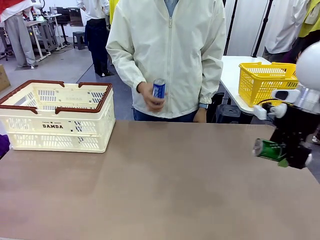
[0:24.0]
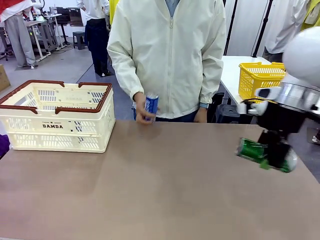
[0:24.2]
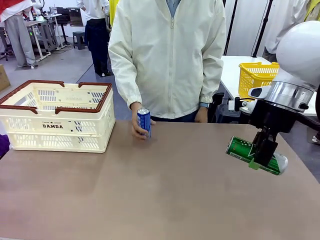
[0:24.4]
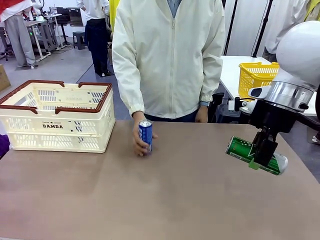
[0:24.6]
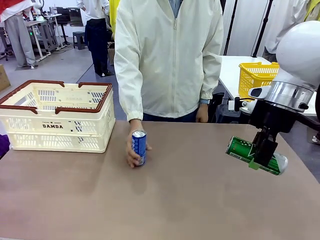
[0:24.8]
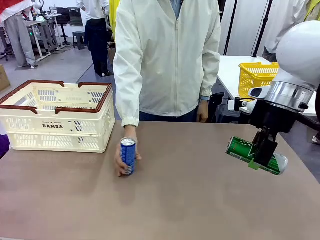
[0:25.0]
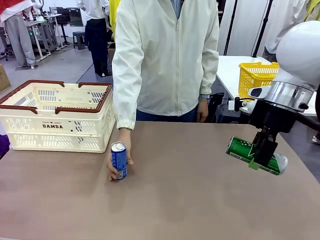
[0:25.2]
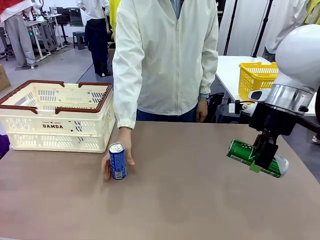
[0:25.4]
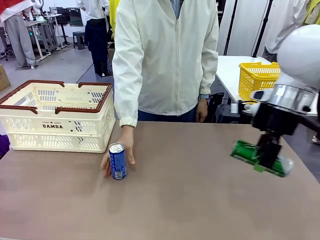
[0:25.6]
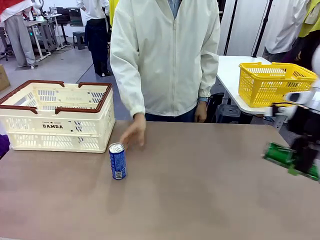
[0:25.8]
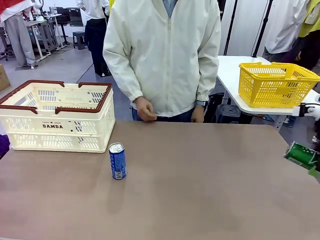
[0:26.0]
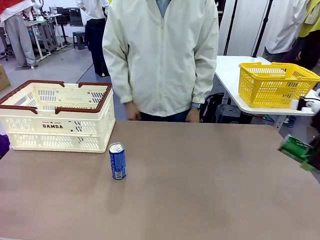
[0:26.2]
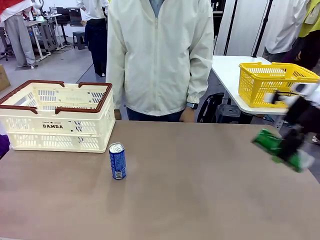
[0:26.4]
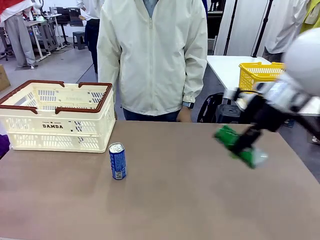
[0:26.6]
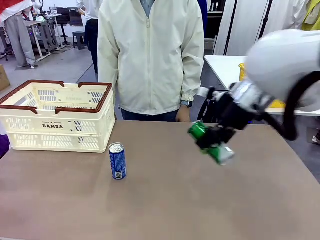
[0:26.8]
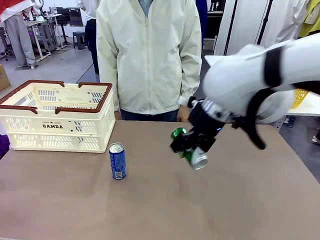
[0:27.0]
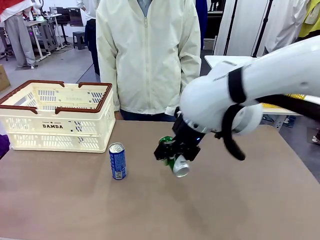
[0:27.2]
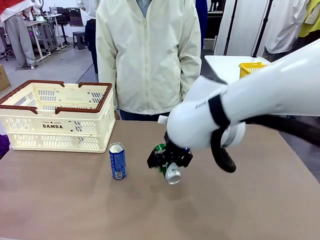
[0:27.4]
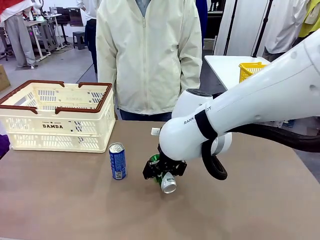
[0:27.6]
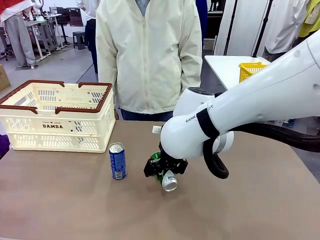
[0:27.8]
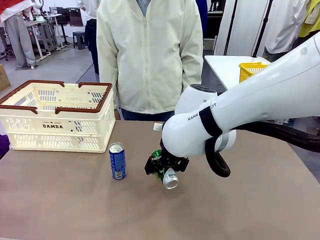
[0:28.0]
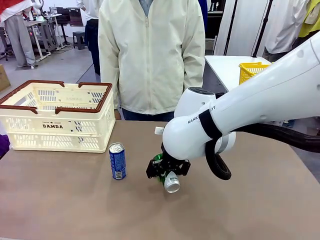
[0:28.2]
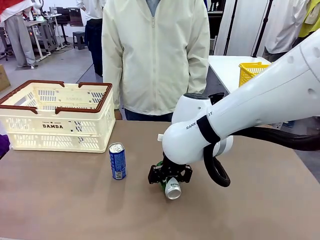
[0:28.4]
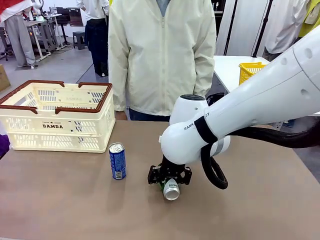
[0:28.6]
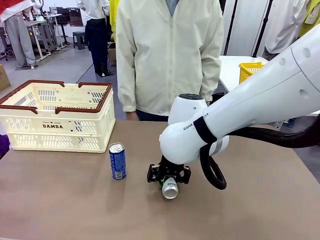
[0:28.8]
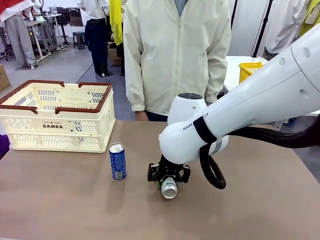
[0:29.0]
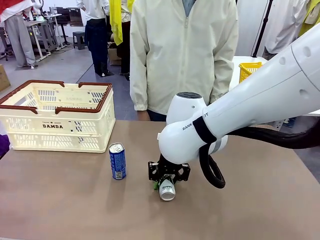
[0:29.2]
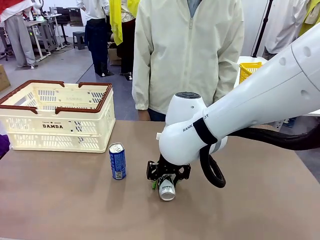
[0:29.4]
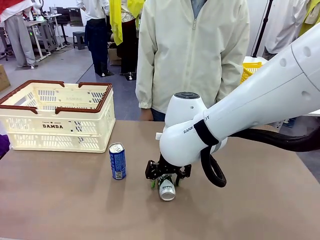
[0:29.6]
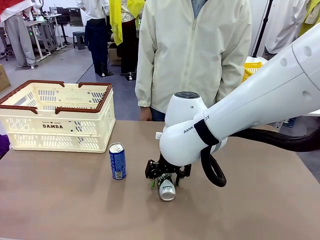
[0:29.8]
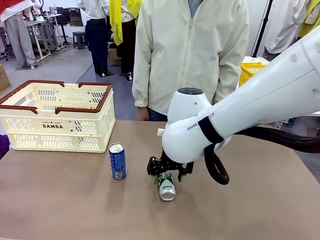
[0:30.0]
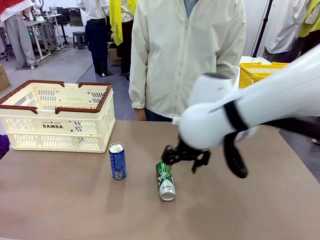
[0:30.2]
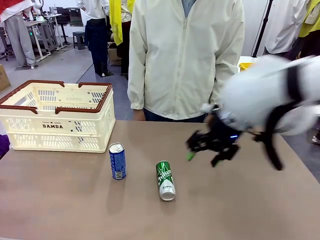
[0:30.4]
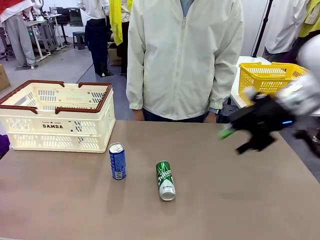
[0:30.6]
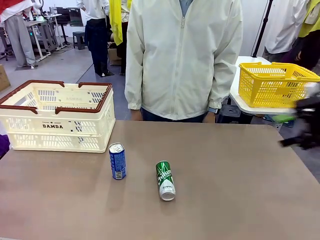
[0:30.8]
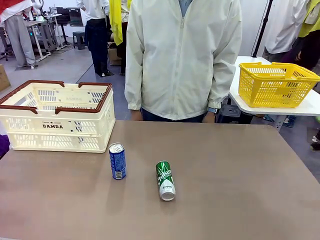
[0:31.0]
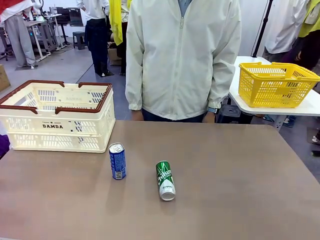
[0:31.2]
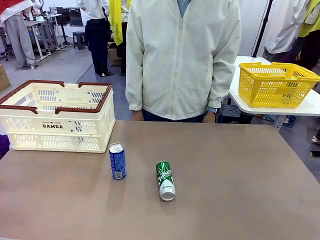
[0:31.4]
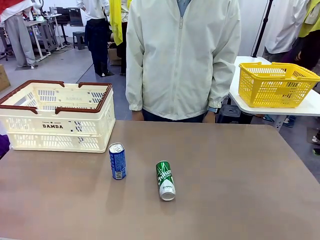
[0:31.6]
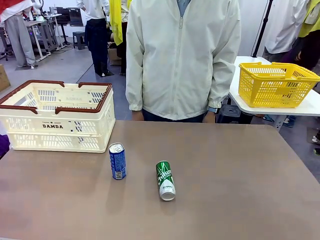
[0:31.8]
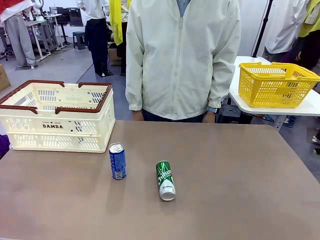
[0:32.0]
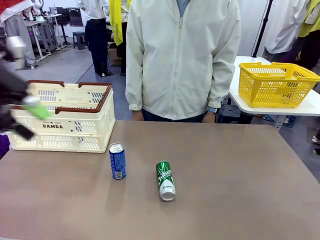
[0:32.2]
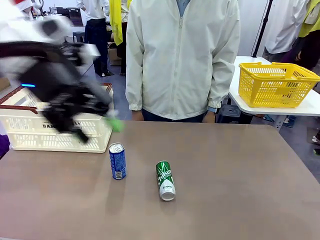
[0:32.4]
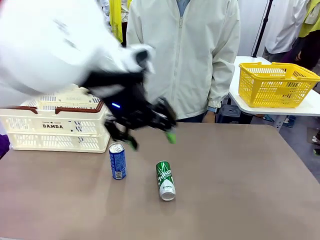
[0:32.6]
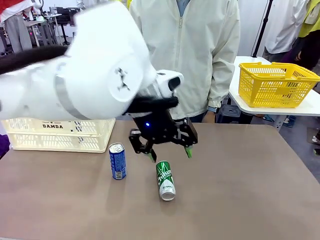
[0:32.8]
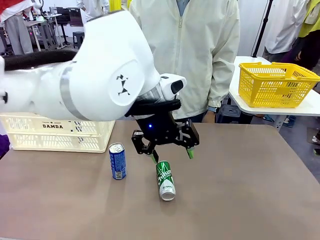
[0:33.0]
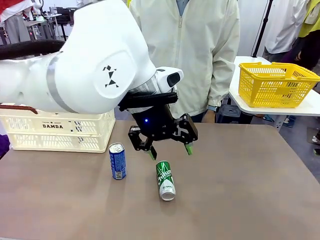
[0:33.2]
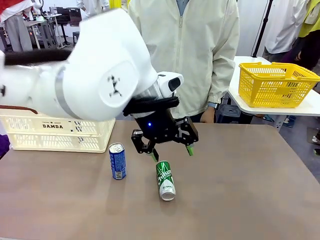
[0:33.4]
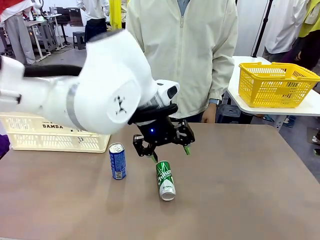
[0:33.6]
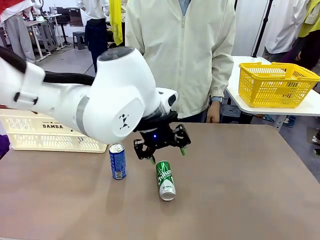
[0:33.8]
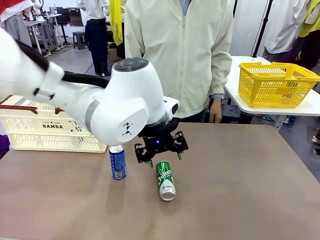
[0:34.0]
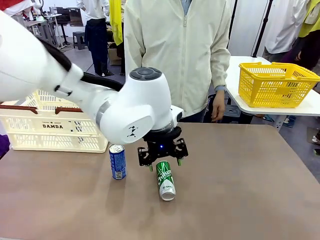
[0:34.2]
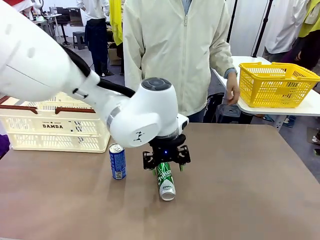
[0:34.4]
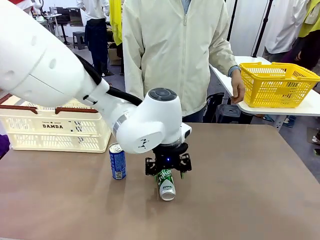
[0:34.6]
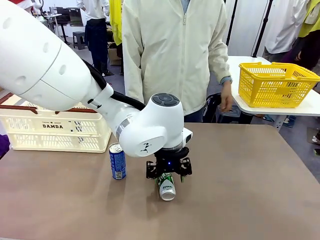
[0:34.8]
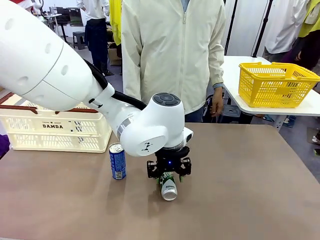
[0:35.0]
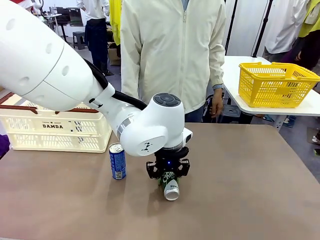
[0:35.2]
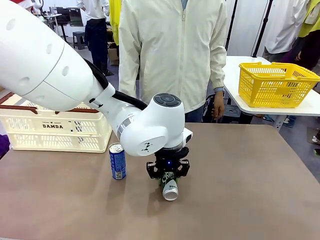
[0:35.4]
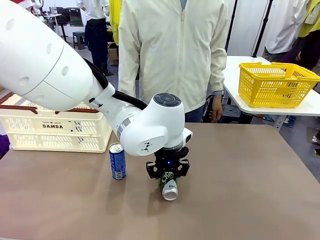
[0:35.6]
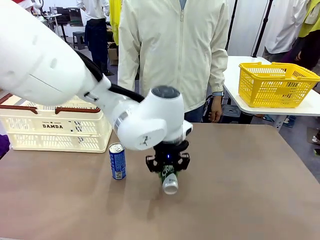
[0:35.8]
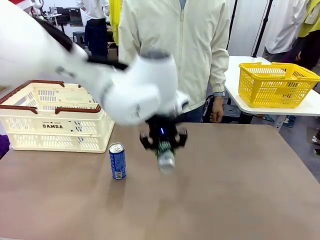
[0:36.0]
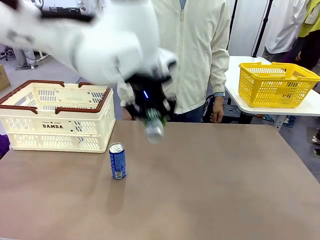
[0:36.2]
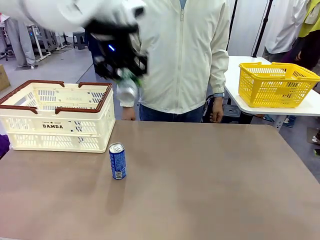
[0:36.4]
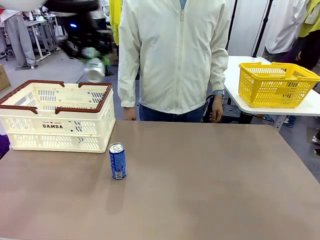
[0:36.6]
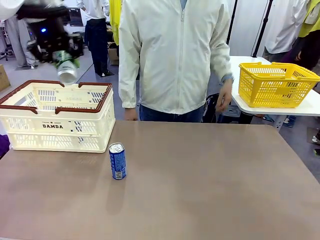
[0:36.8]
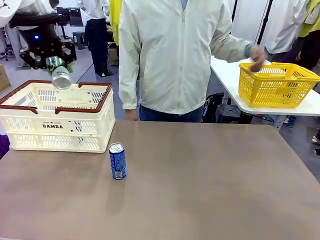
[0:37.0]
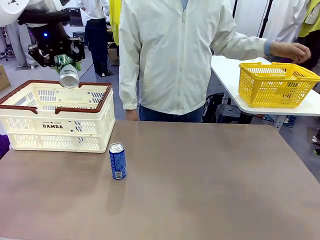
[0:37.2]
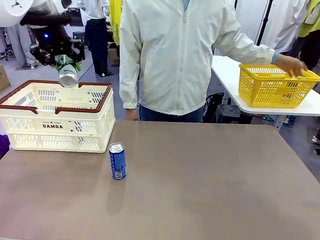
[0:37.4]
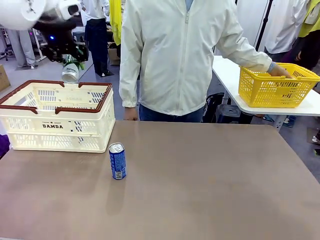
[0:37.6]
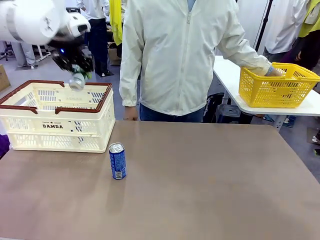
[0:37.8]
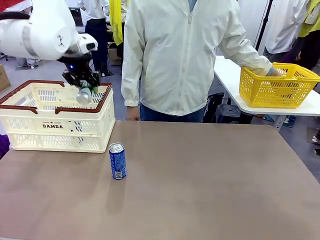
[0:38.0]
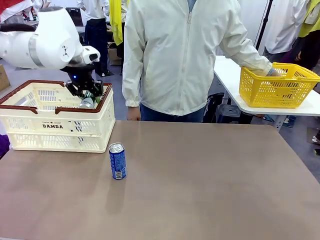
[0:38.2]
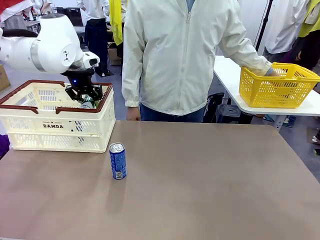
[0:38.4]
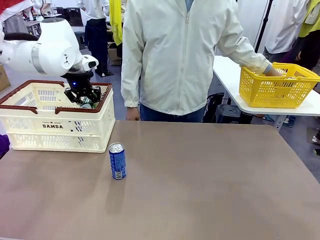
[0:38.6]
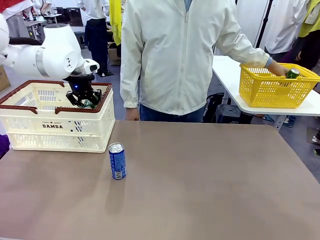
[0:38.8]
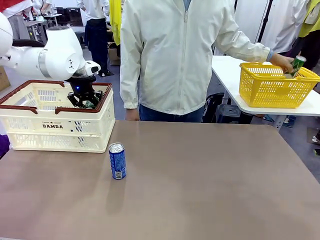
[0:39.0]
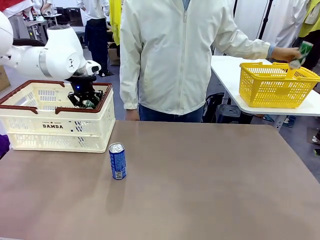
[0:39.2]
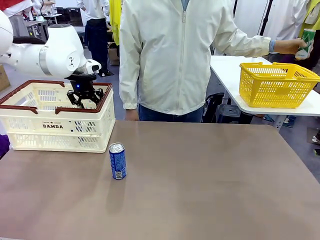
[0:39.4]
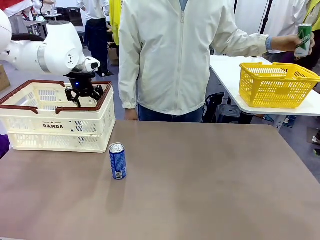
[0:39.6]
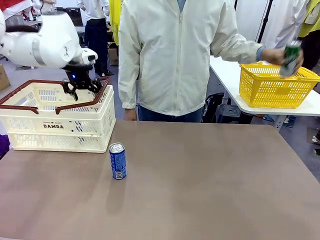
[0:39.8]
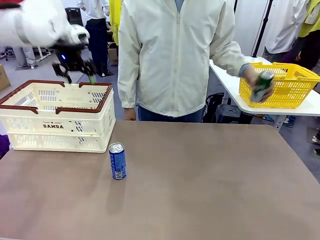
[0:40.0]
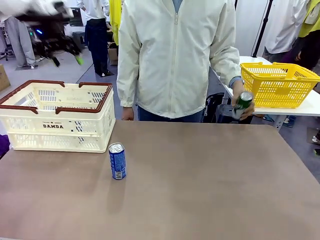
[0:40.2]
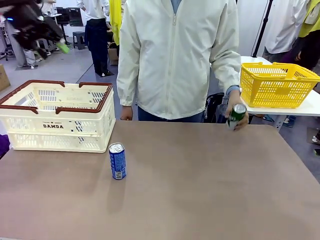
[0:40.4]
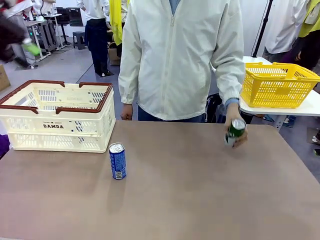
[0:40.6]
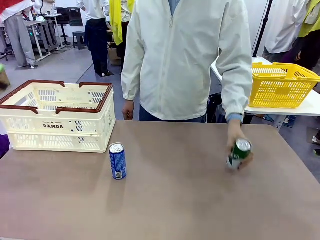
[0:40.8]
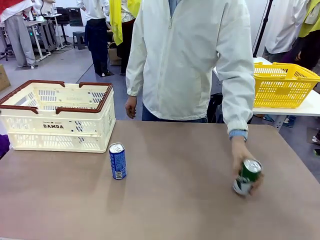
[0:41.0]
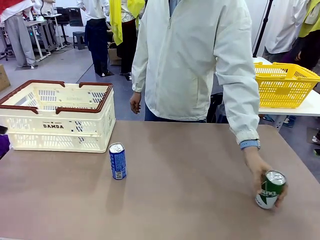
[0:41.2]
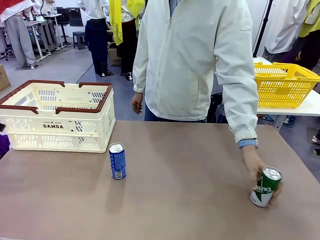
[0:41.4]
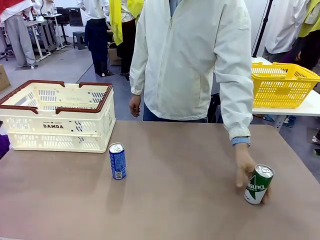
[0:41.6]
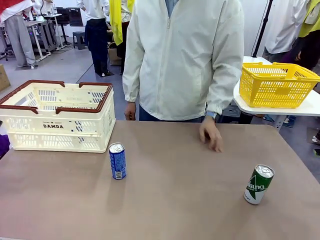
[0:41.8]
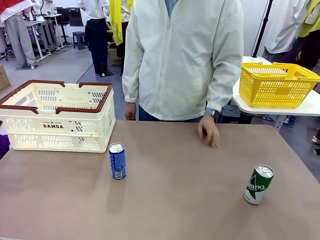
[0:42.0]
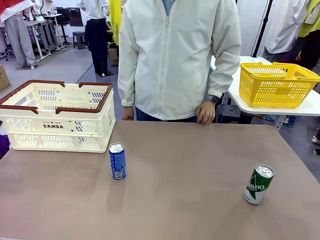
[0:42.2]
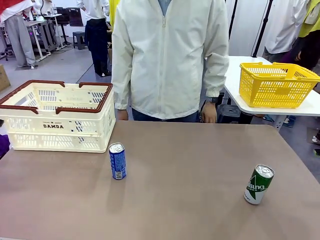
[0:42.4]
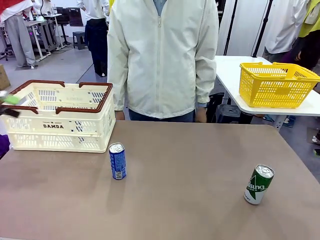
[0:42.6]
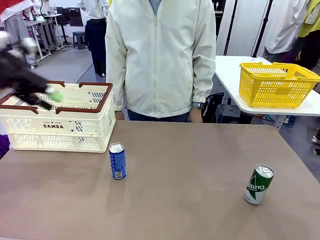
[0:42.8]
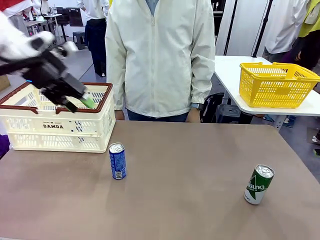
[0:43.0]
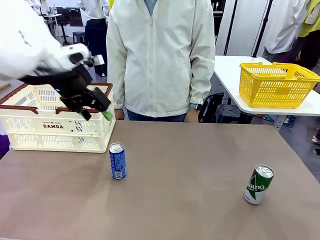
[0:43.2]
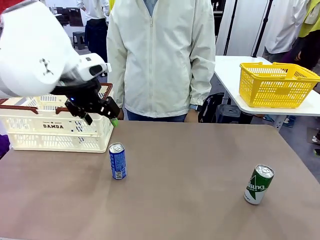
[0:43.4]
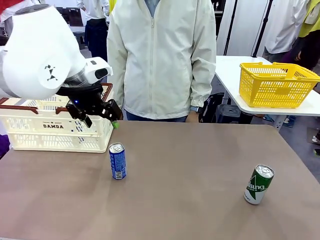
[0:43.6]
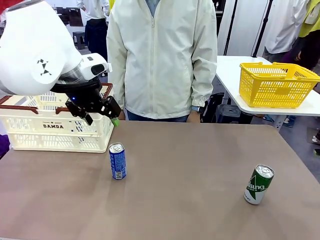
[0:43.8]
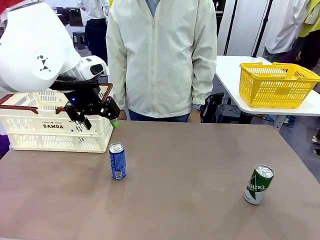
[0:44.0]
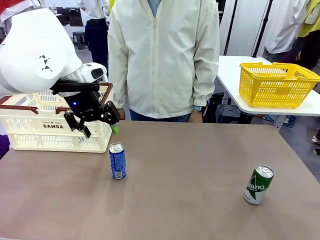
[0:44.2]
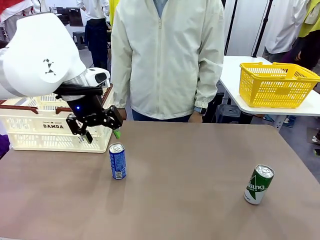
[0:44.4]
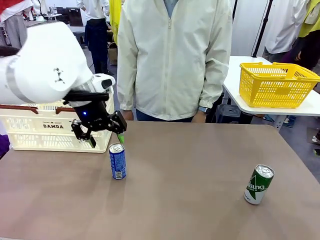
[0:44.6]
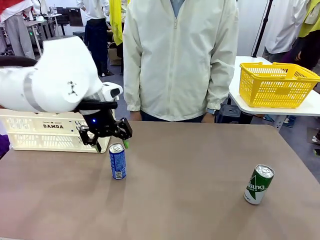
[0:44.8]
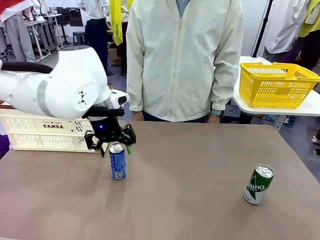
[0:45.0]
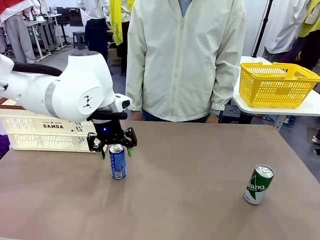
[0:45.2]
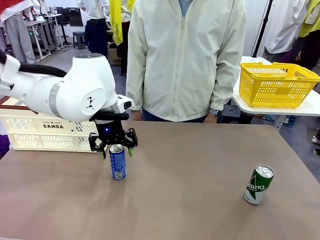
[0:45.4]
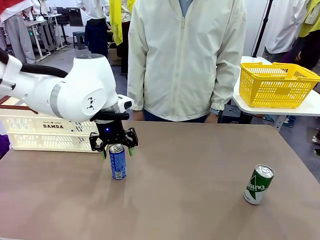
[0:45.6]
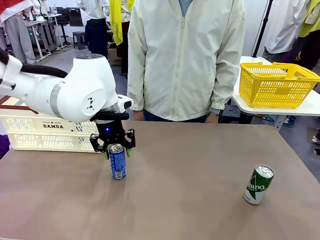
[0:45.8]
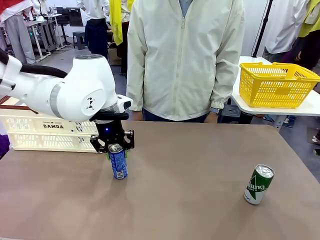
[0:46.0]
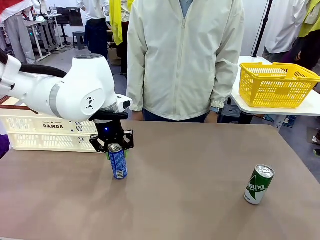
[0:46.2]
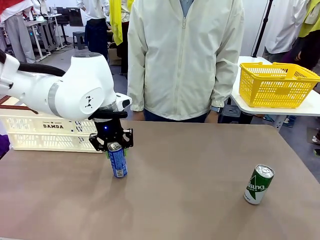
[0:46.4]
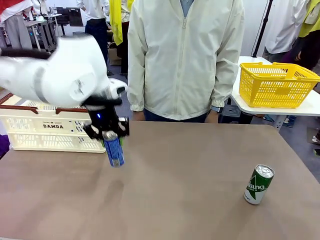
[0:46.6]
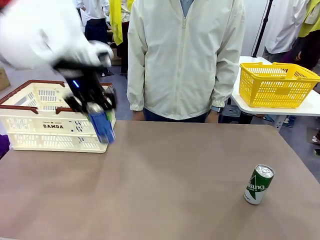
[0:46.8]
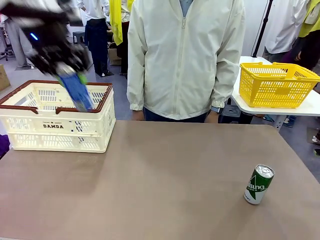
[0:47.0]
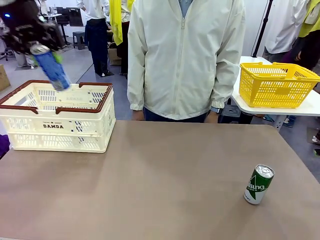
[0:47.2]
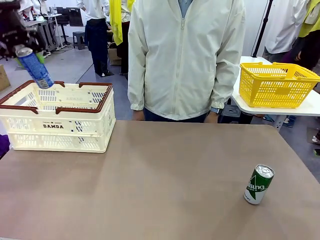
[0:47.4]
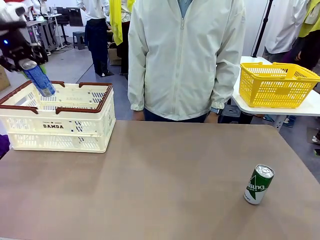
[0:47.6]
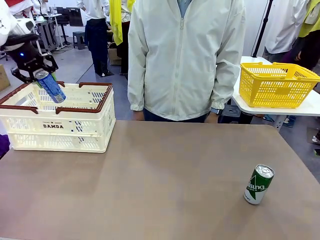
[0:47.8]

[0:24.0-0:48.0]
Task: Place the drinks into the Shopping basket.
Robot: Pick up one drink and place it into the Shopping basket.
